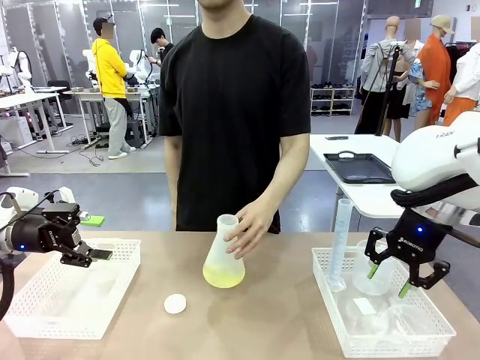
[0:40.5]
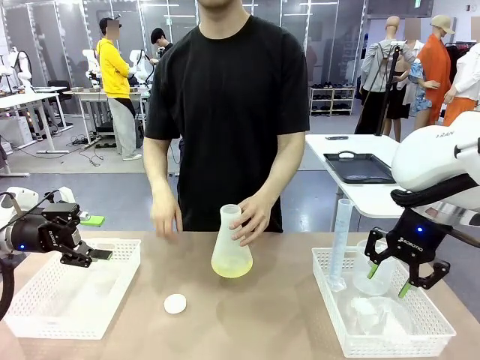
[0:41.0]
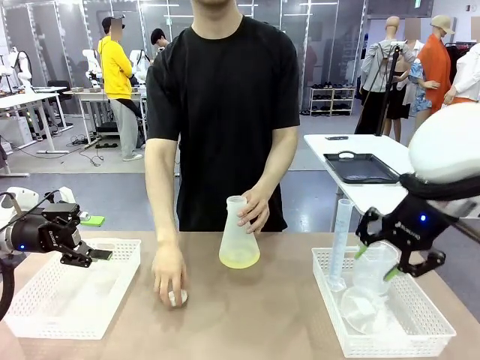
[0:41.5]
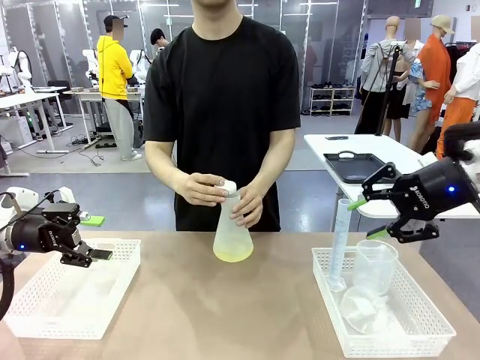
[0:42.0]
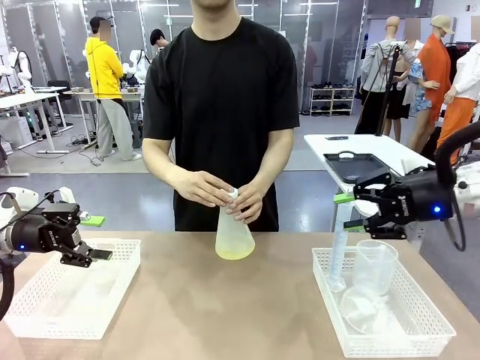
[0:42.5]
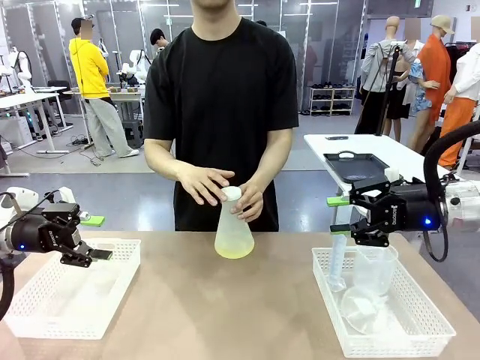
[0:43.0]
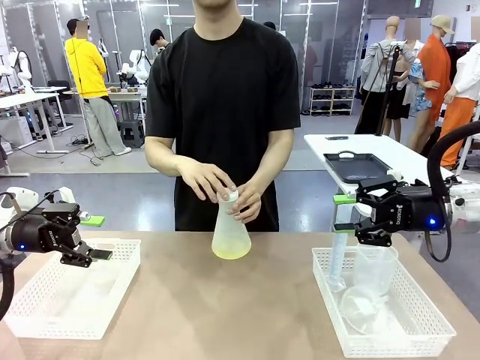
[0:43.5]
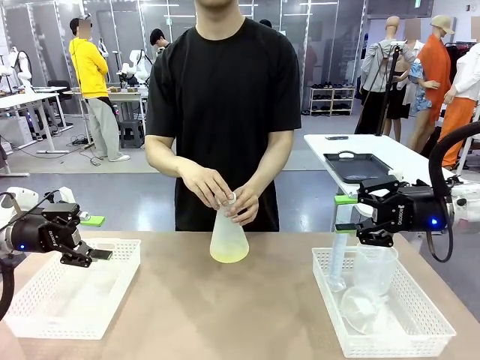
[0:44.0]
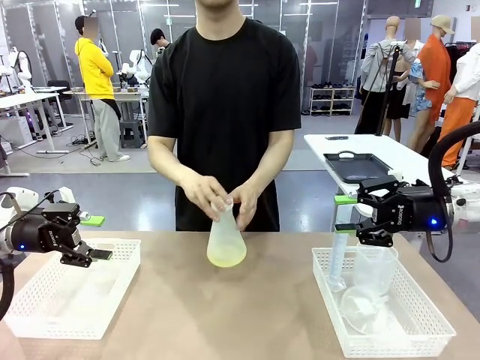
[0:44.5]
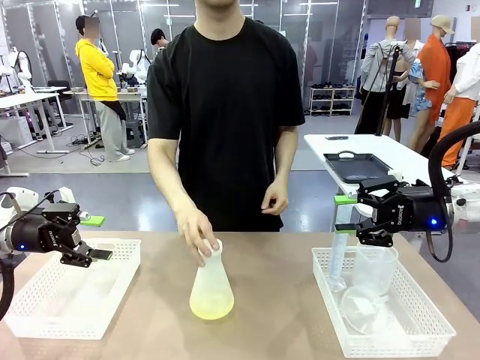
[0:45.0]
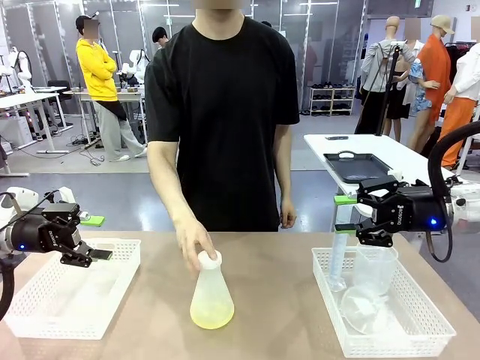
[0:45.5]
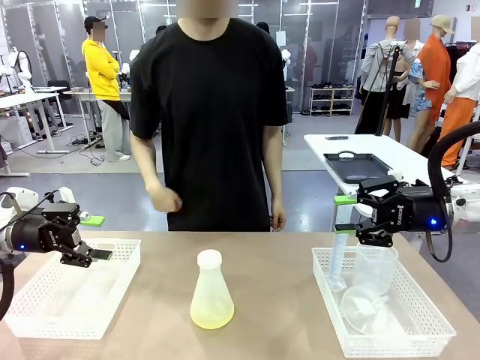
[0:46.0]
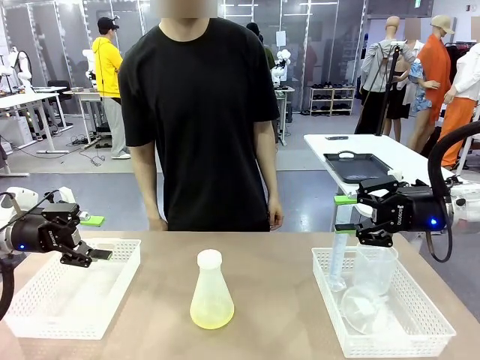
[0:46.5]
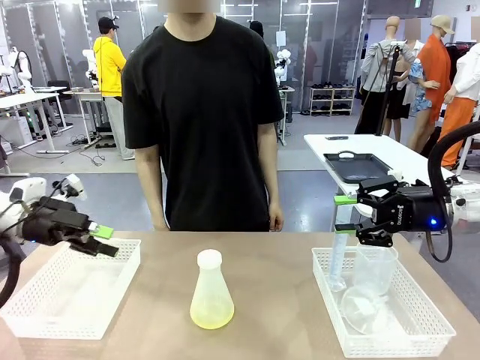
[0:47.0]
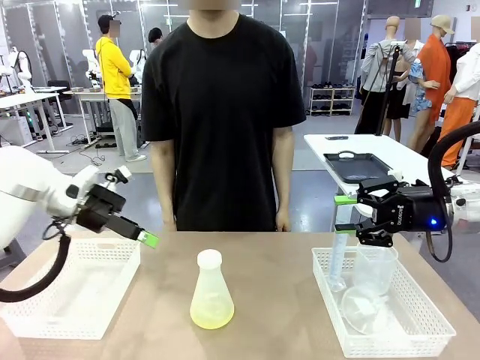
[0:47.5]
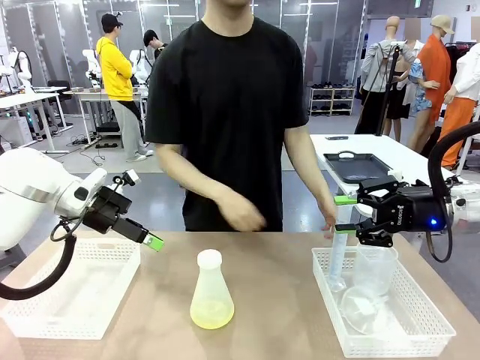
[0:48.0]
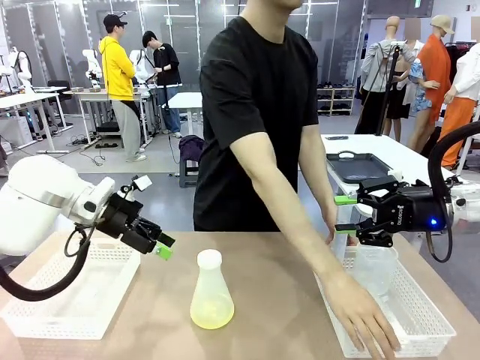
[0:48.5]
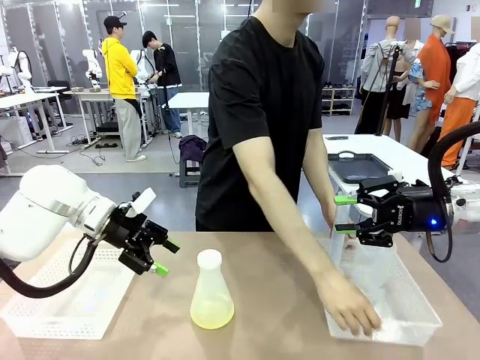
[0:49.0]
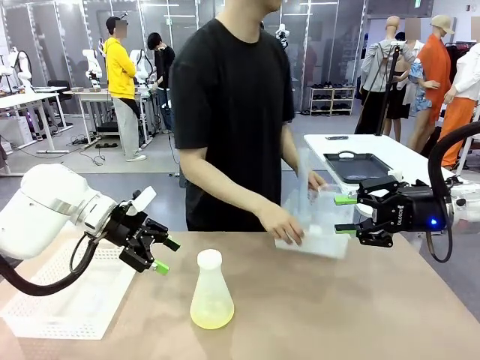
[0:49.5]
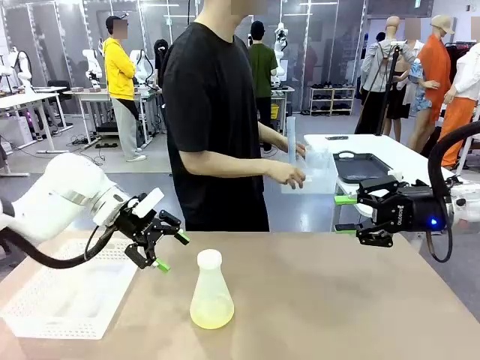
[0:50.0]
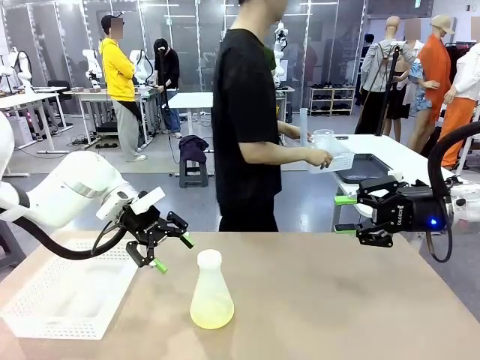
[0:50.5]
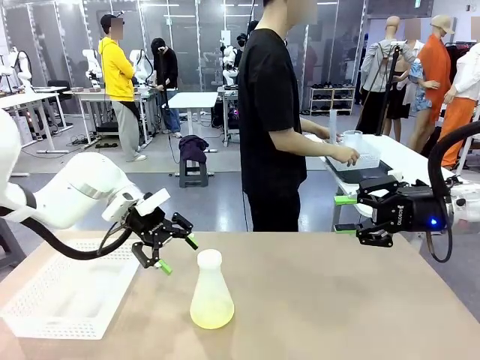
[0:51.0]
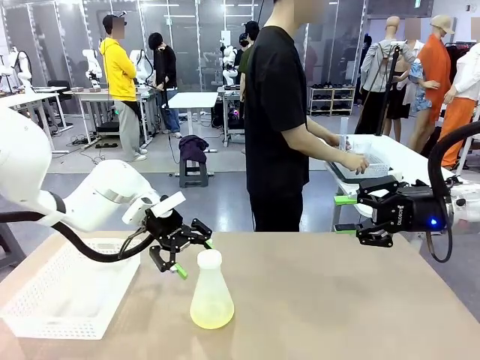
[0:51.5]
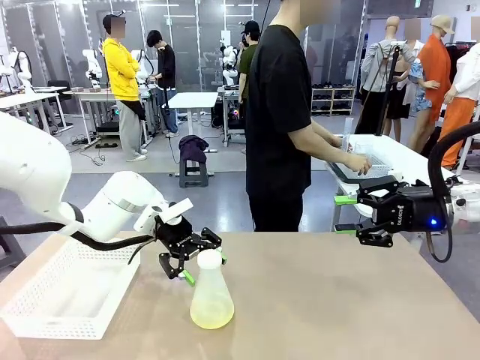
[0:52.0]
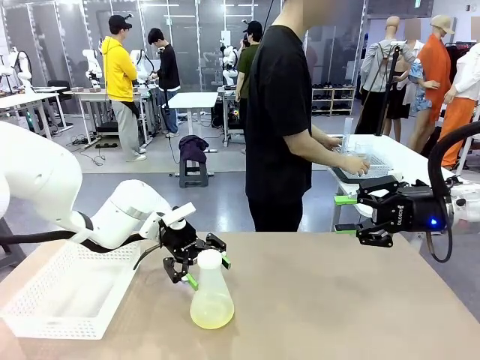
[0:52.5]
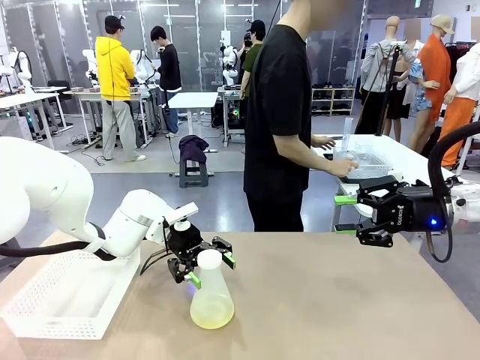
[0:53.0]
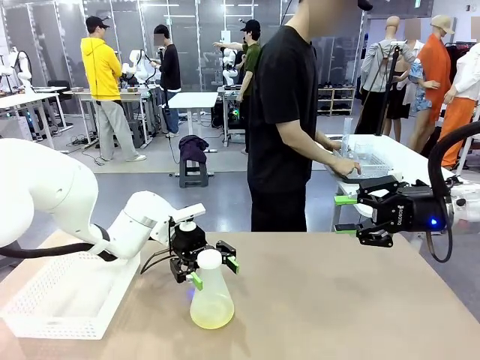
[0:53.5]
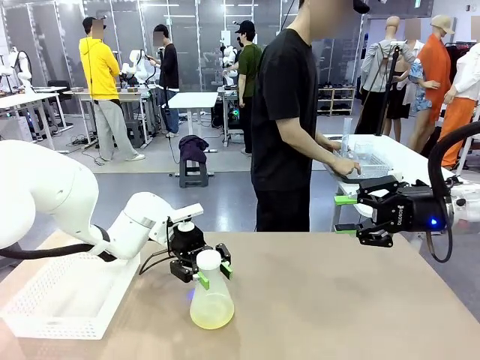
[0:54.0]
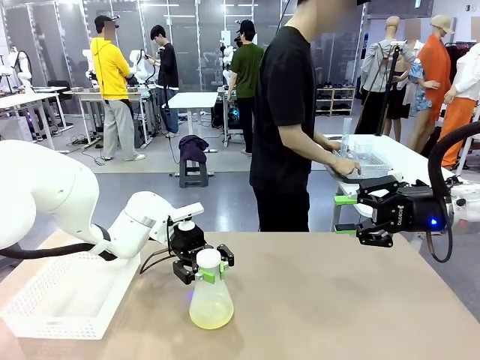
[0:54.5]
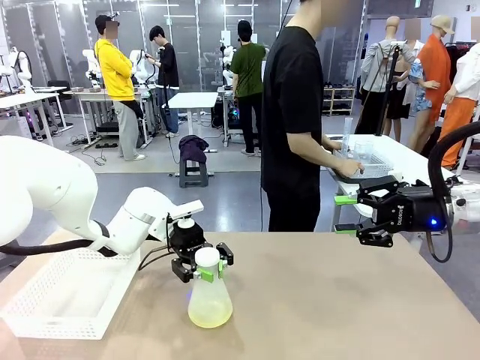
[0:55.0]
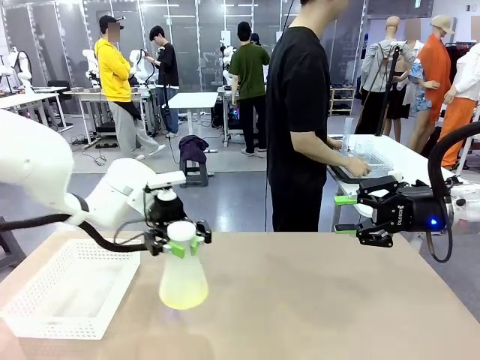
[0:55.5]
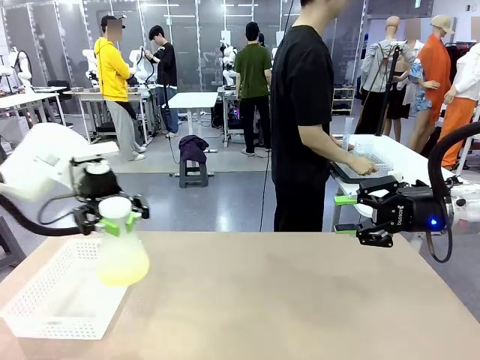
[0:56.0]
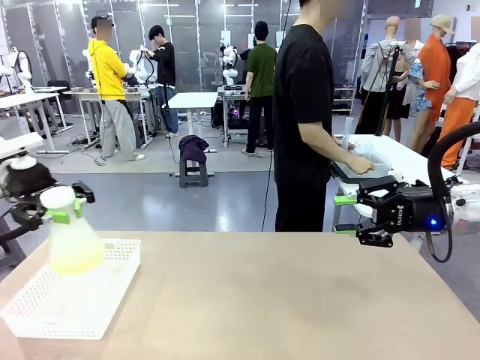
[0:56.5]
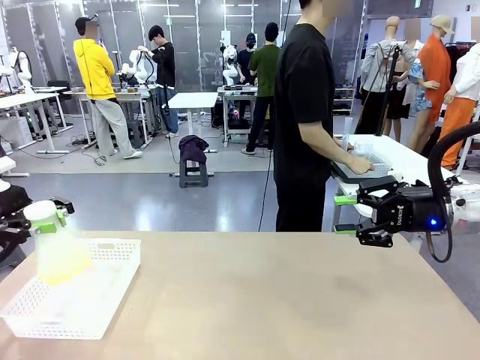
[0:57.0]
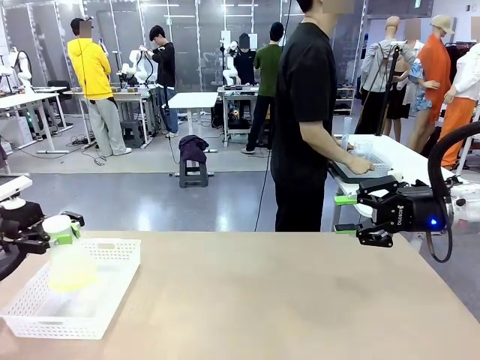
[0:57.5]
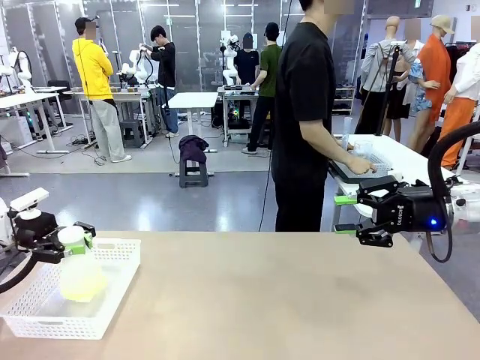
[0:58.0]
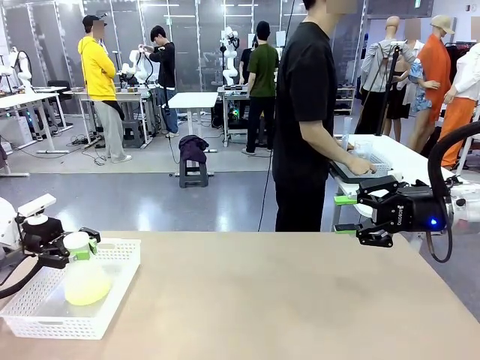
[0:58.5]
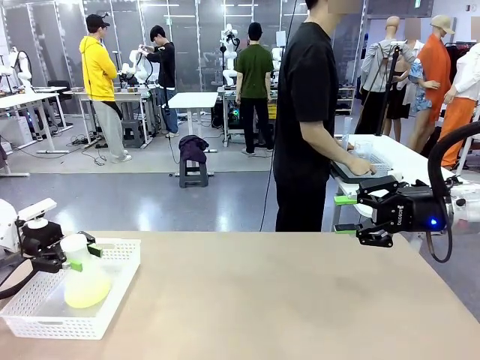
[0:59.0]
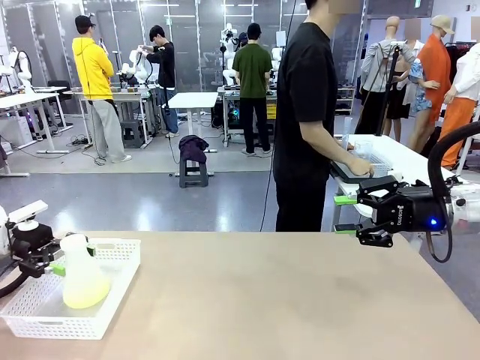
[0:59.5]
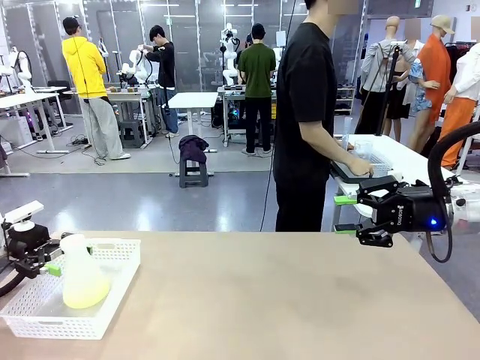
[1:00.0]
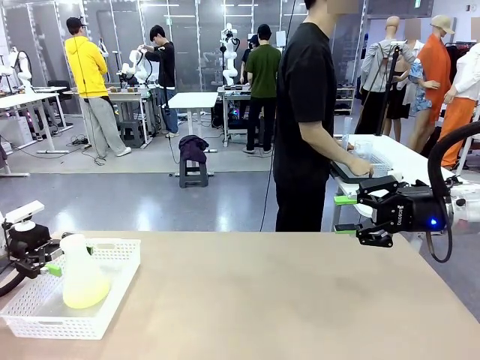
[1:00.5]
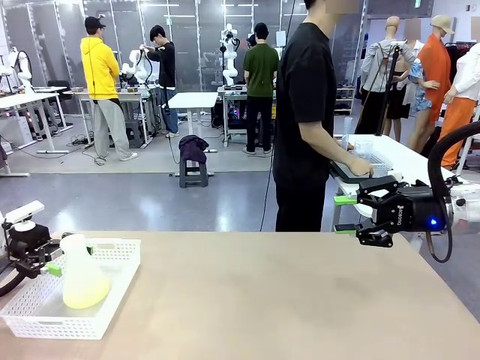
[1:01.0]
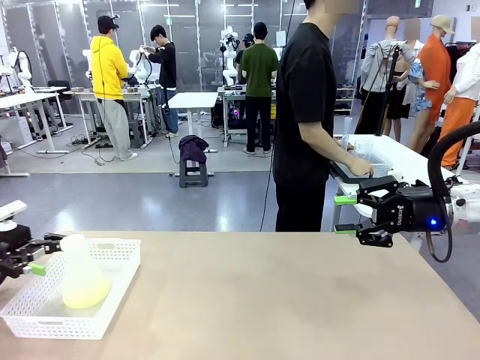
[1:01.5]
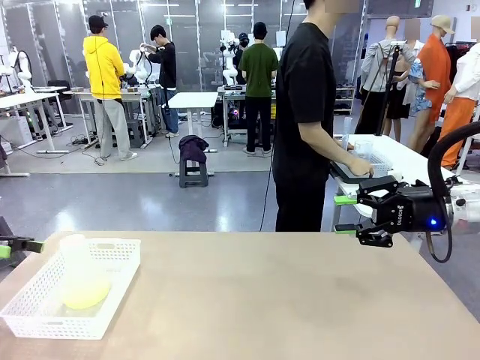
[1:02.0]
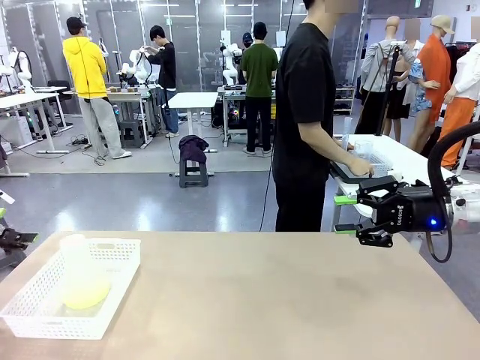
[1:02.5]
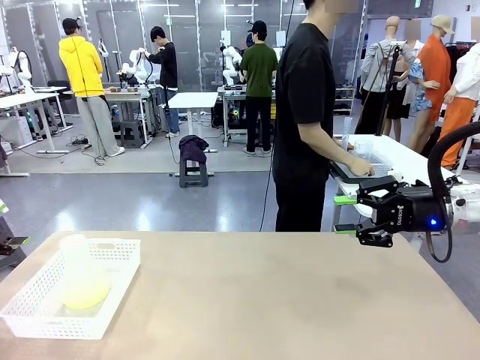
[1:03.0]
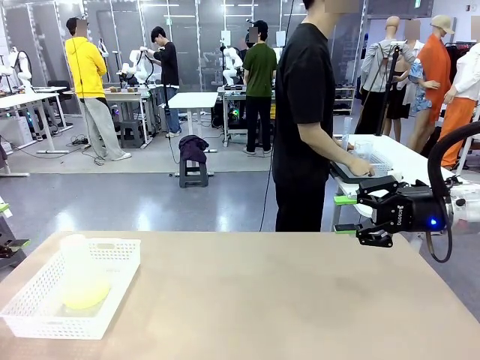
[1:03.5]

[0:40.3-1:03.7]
Task: Prepare the solutions needed for the experiment.
Robot: When the human places the Big flask in the center of the table, pick up the Big flask and place it in the left Organizing basket.
Person: Pick up the organizing basket on the left side of the robot table and place it on the left side of the human table.
